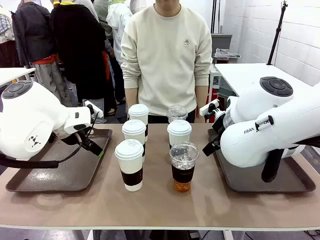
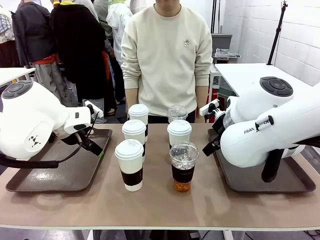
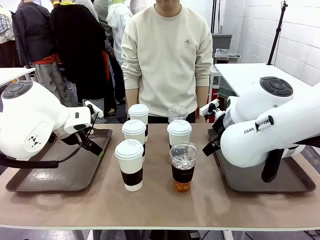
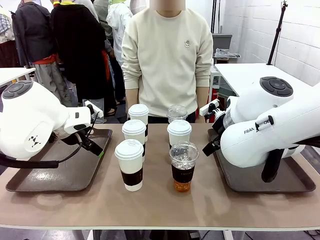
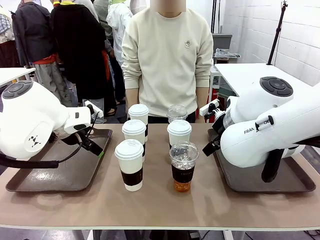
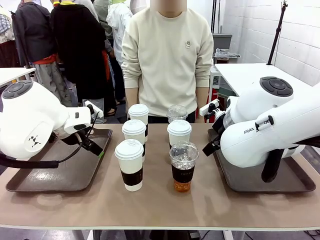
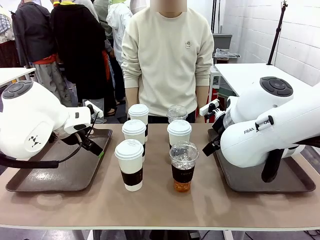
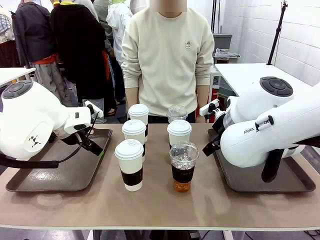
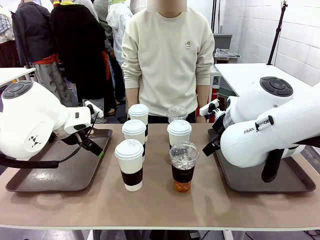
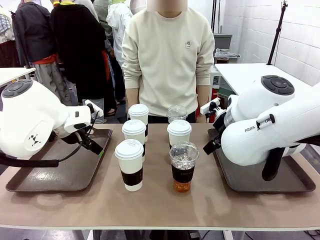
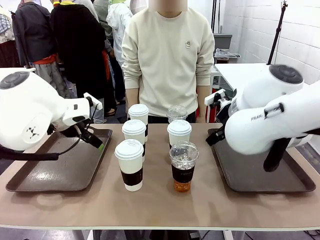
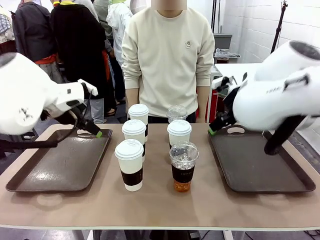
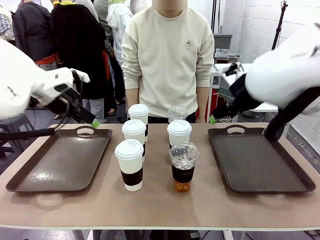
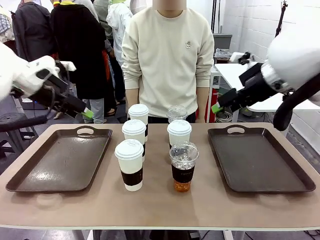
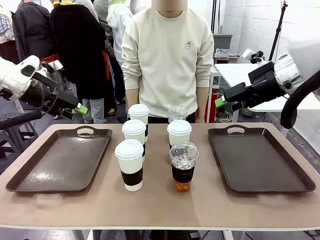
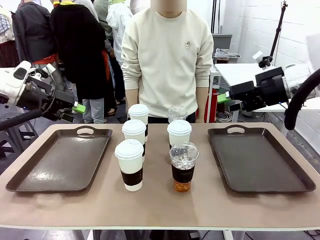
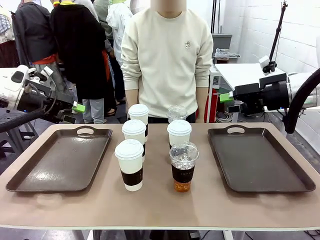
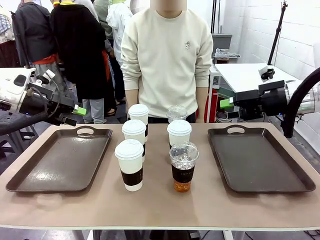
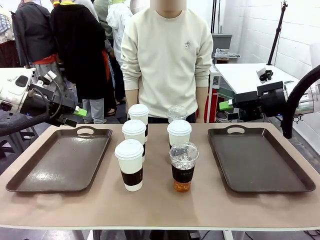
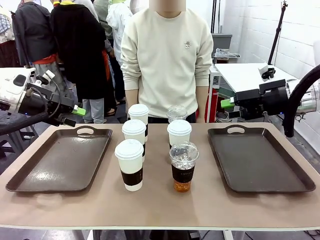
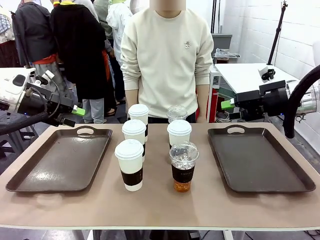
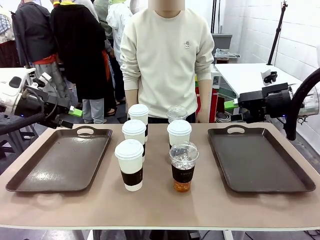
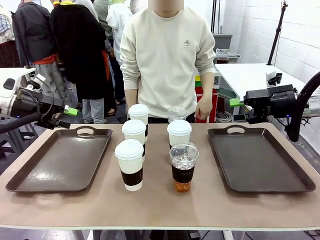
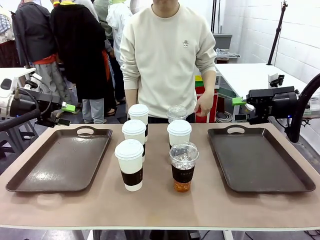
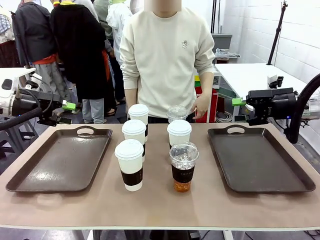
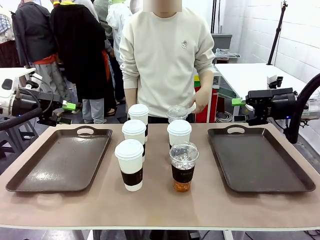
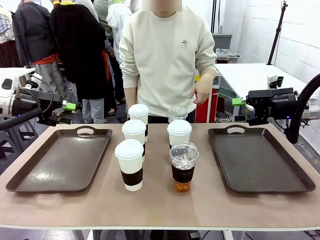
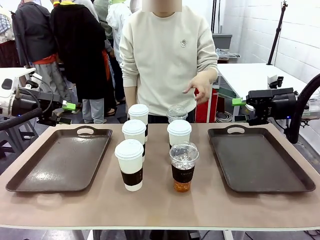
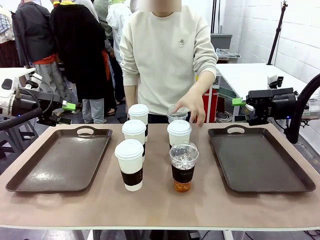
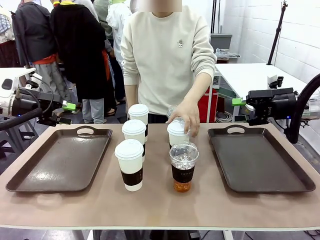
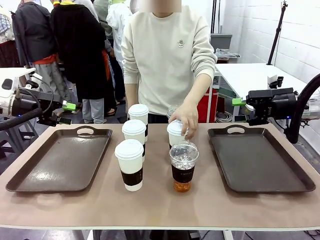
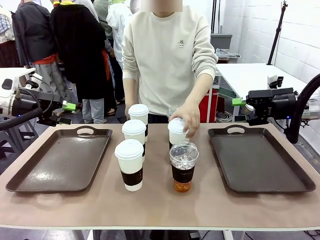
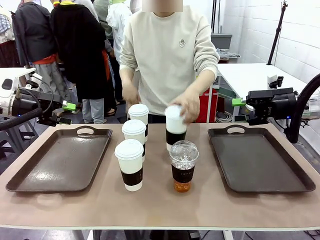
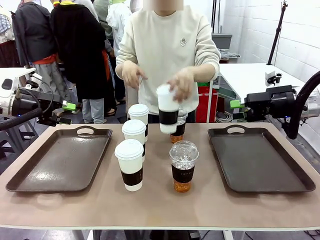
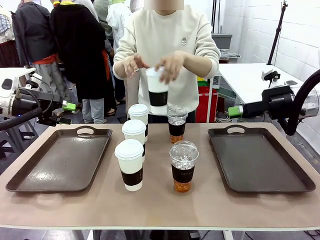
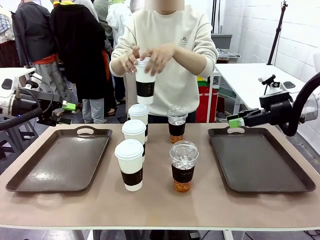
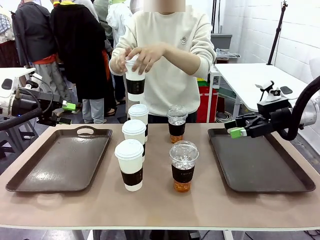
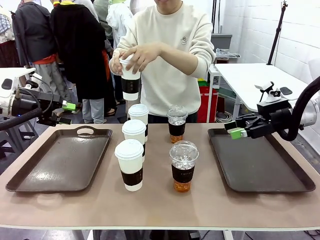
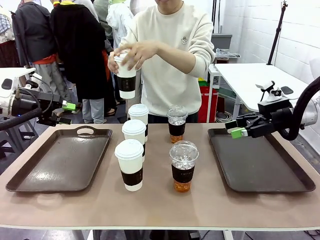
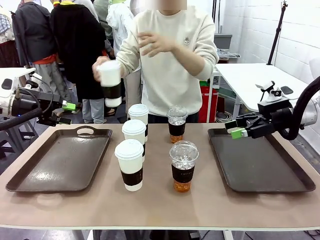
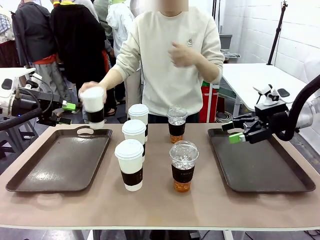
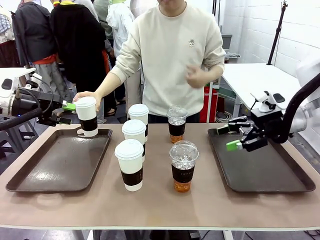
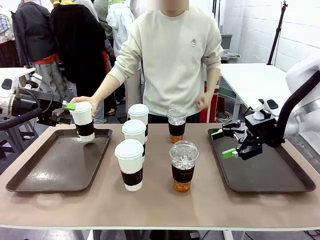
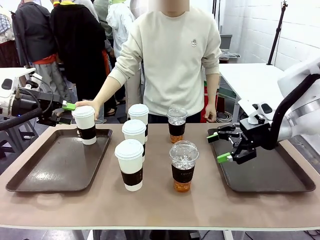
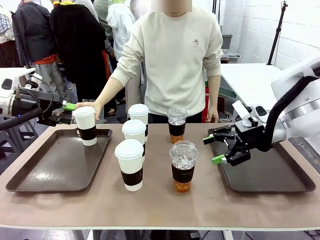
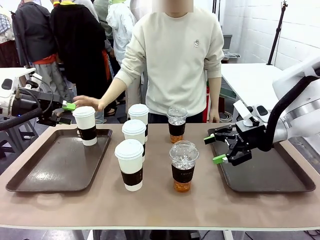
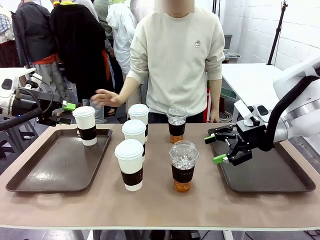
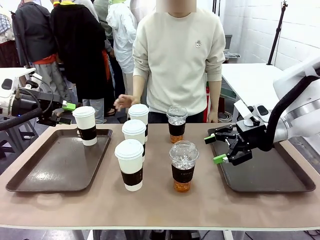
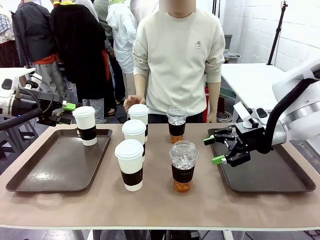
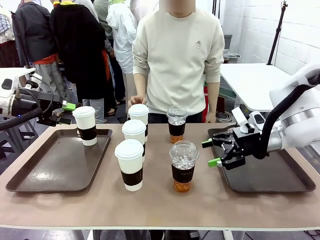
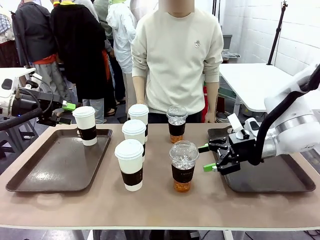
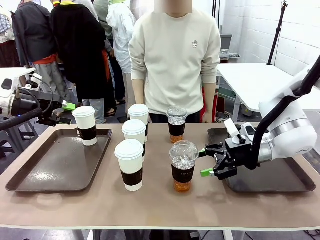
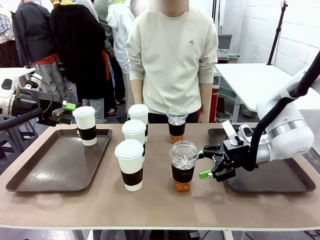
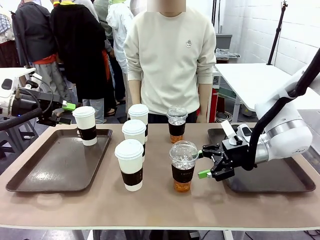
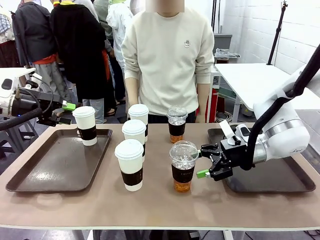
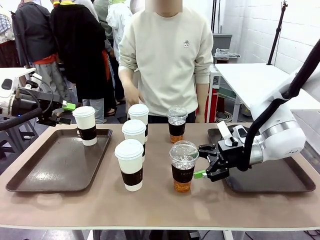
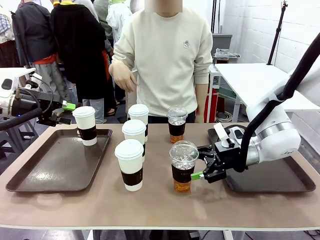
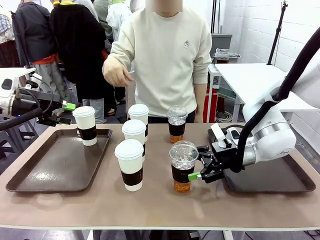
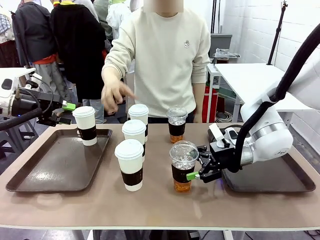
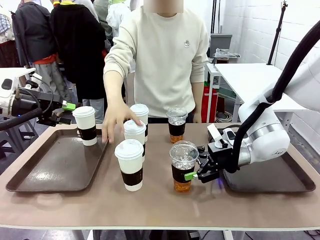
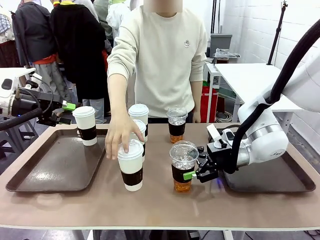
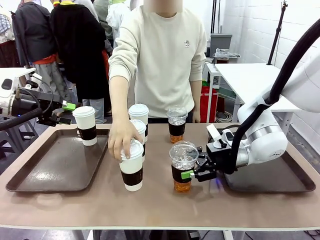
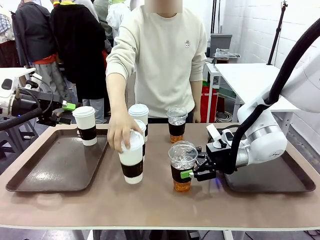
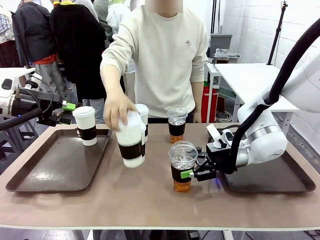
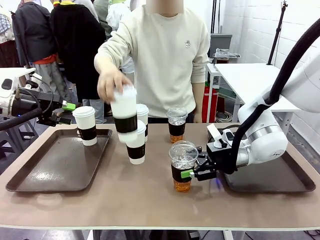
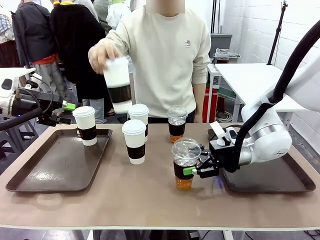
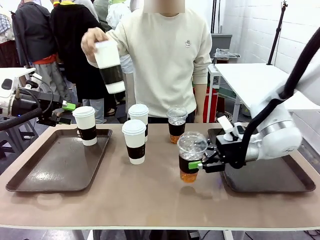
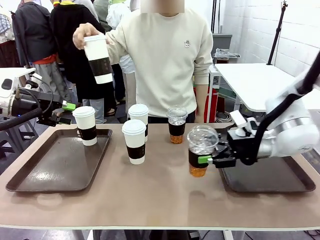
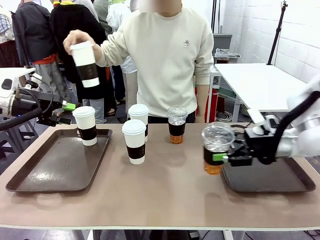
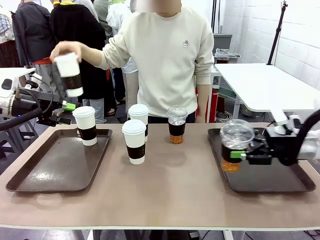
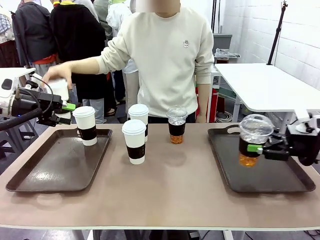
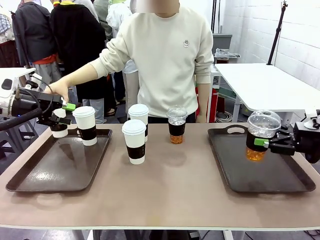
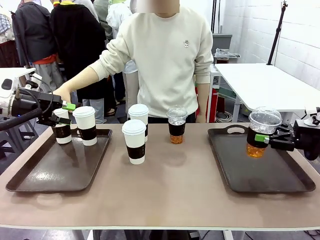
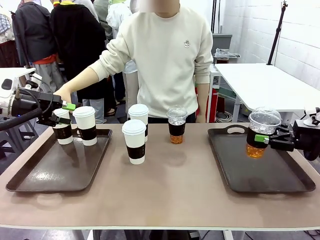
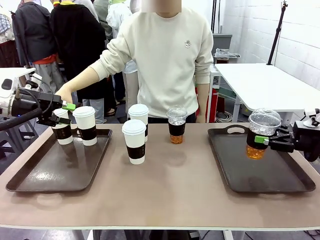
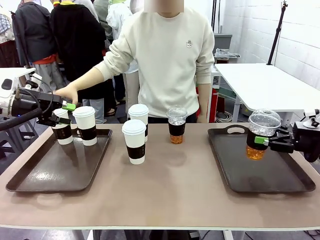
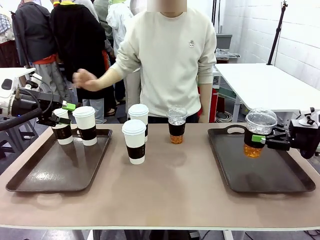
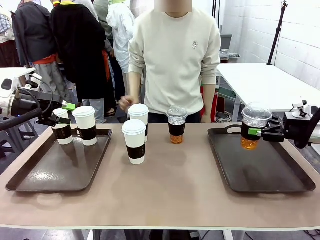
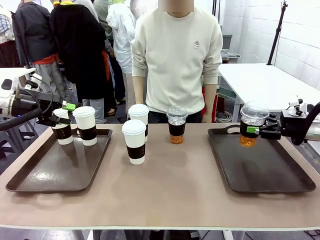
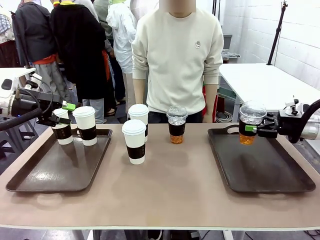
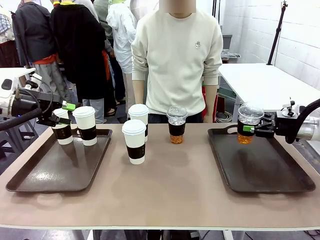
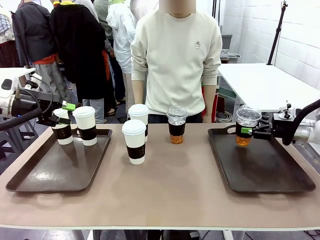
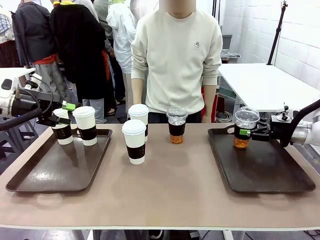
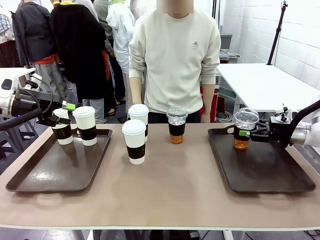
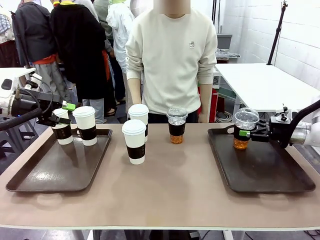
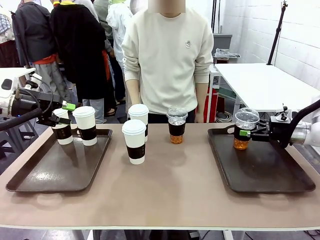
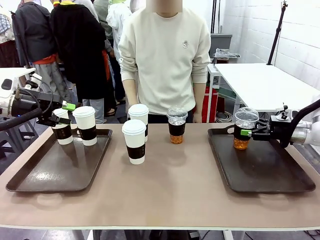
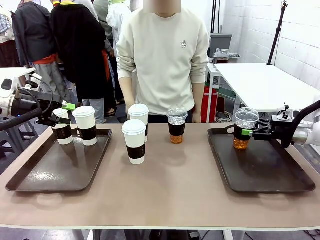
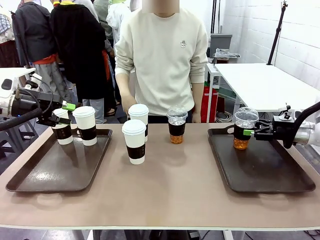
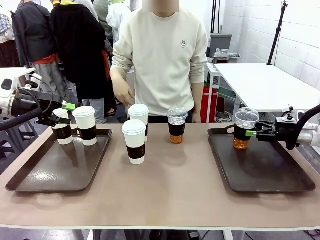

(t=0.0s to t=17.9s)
Task: Distribute the coffee onto the tray.
Robot: Pick up one iced Americano and place it on the right Handle tray.
Person: Pick up a cup of hot Americano and place it on the right tray.
